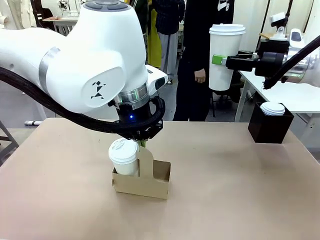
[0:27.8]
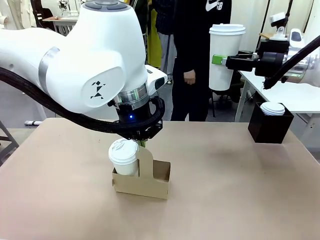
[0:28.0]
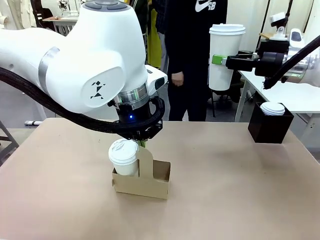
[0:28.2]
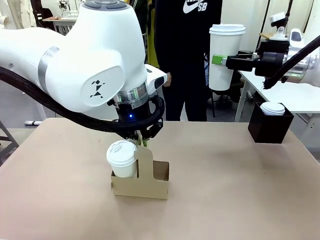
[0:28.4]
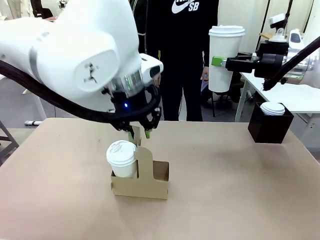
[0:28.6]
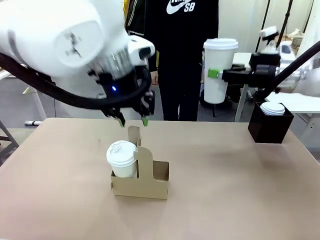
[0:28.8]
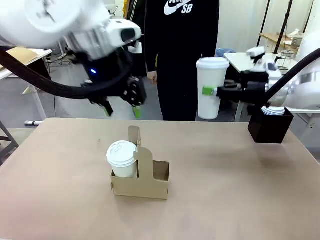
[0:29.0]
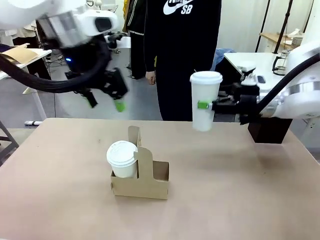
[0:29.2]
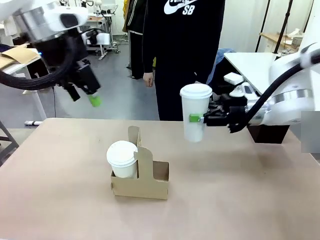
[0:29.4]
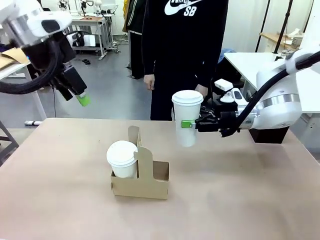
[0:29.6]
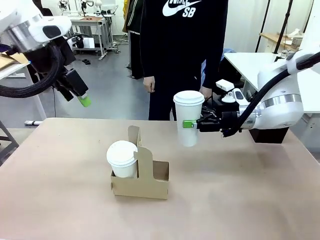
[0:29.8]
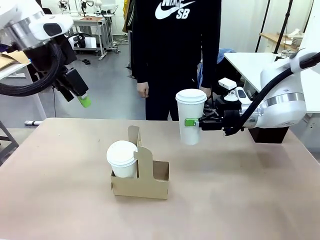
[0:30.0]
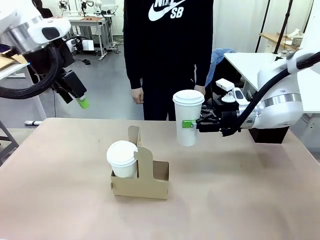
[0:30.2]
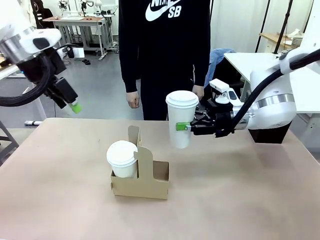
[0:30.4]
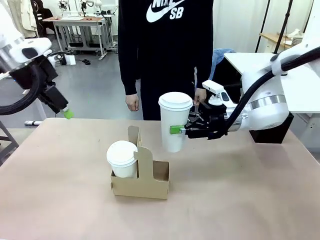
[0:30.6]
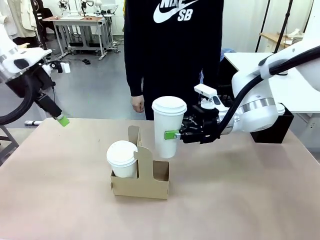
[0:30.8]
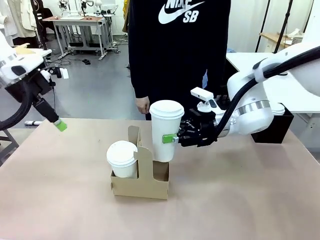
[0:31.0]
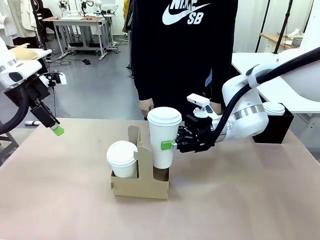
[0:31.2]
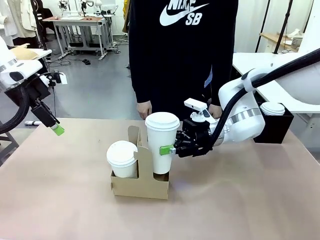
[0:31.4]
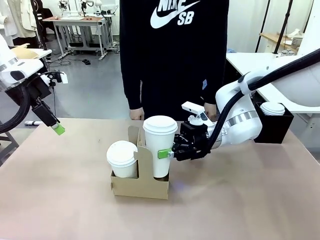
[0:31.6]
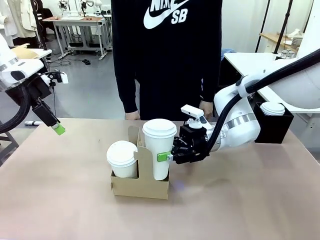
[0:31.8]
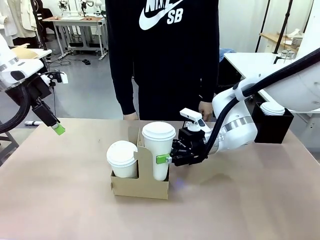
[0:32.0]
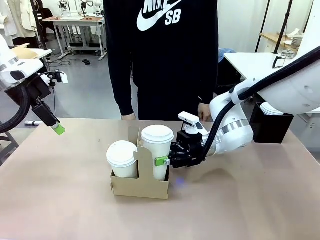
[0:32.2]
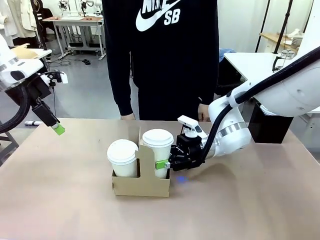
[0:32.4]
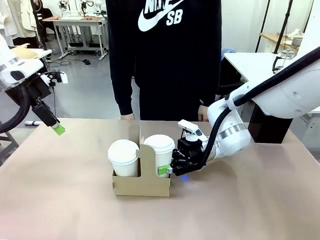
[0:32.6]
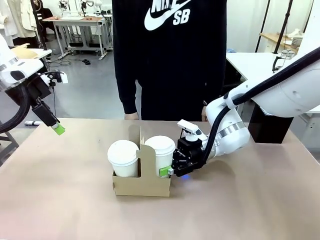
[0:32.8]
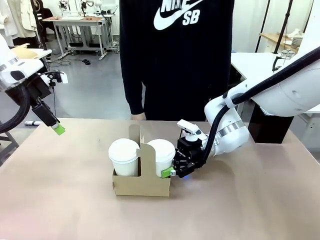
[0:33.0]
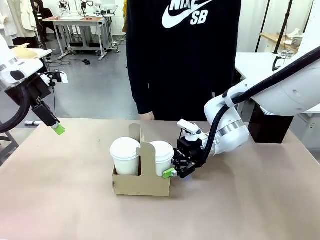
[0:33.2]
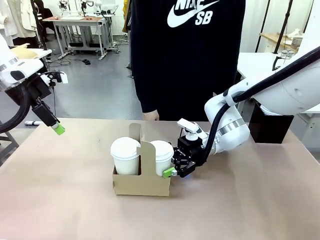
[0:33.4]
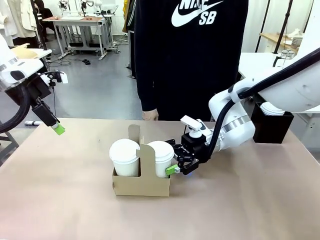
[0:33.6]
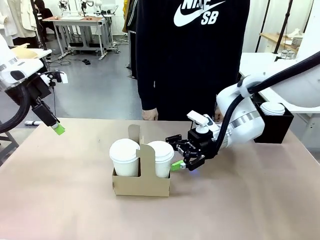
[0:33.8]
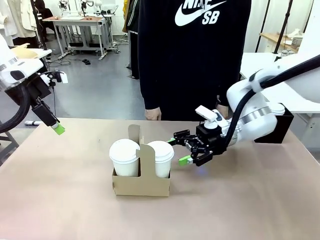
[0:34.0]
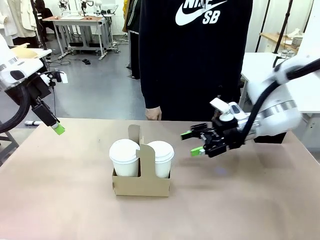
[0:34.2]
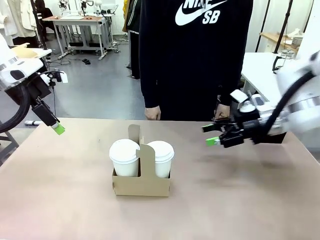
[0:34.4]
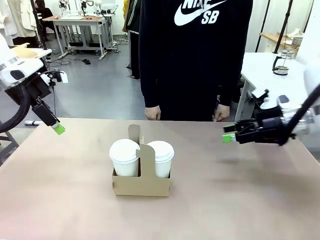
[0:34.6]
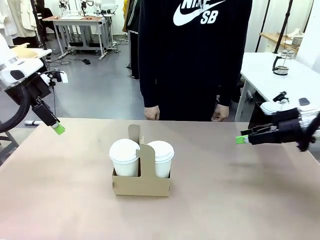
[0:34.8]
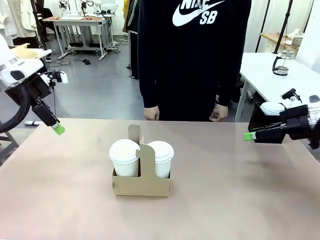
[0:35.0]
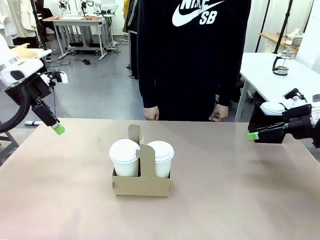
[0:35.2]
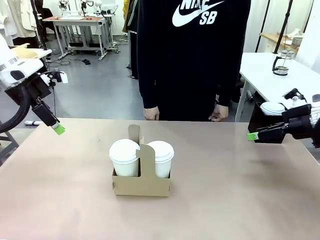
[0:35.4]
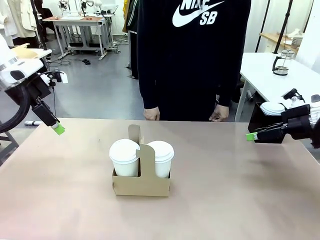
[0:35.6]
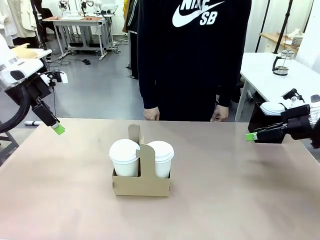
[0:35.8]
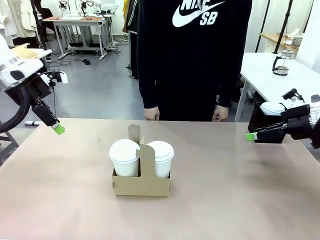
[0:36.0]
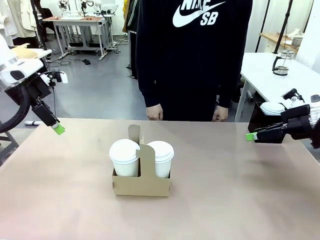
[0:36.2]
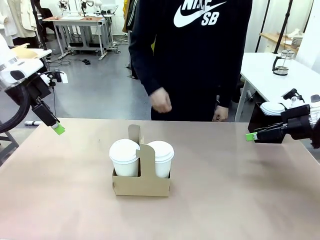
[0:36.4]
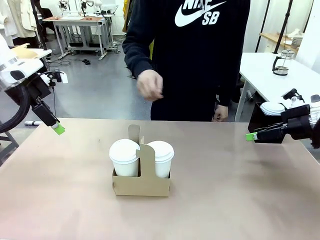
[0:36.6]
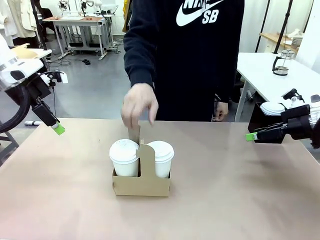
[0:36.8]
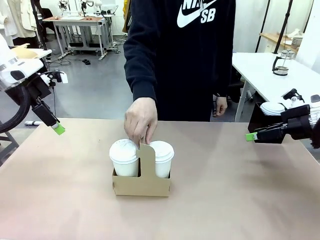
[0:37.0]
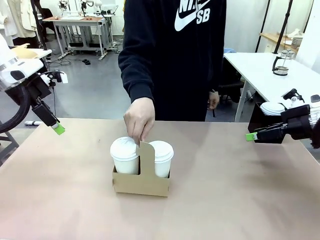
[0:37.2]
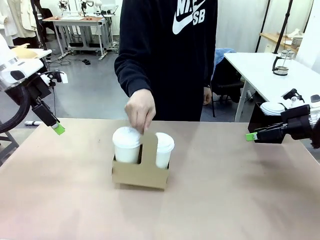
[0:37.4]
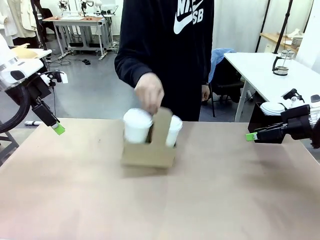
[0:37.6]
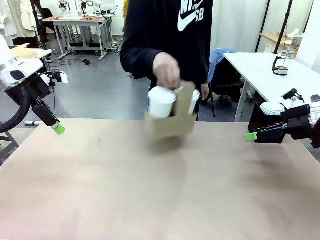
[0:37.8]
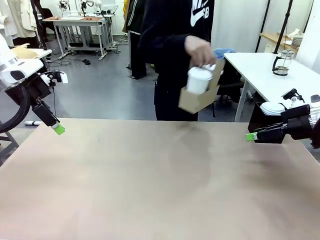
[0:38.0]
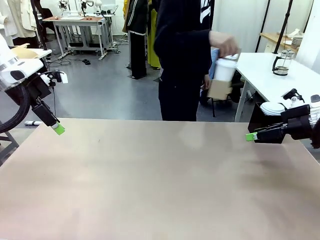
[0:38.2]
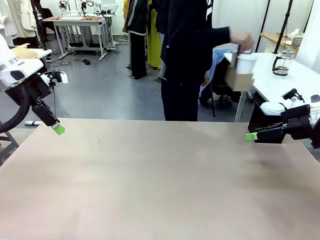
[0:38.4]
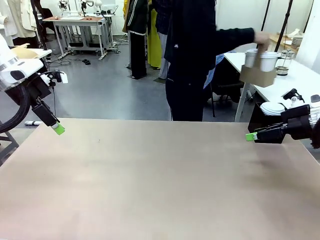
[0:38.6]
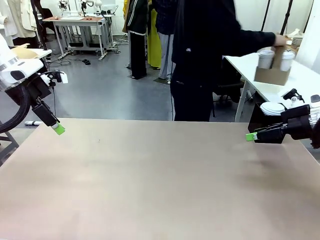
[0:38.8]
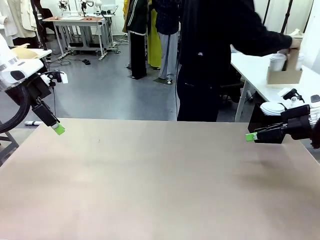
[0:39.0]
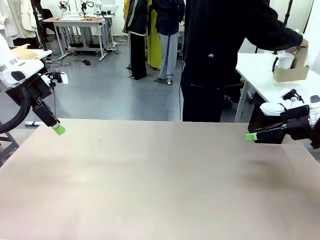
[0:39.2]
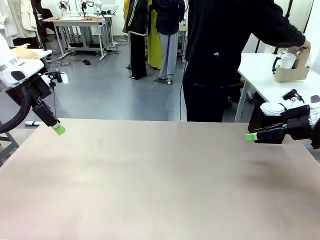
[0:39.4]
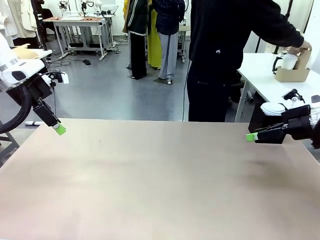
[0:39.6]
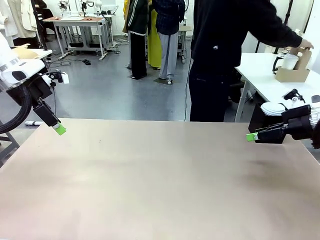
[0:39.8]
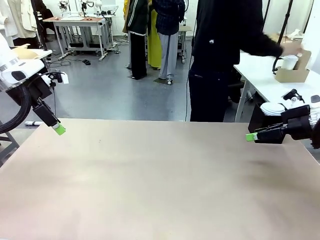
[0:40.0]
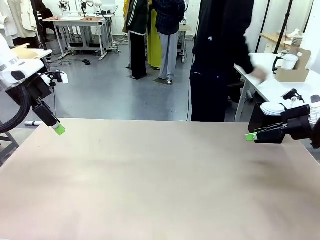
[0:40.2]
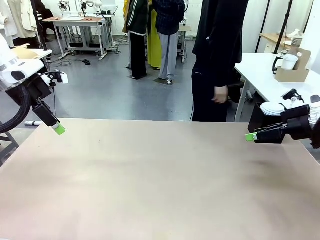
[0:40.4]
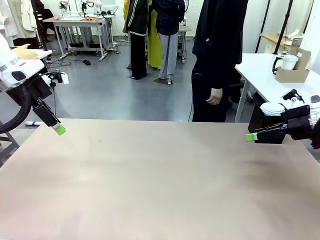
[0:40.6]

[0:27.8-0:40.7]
Task: Pour a drink into a cup and package it in a carrier.
Robot: Insert the held 600 ml Paper Cup into the Cup Carrier.
Person: Place the Cup Carrier to the middle of Human table.

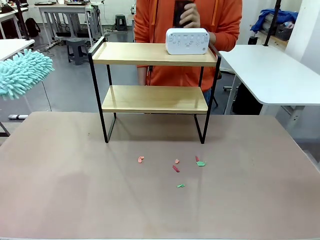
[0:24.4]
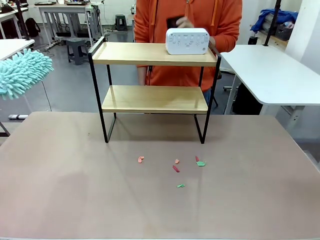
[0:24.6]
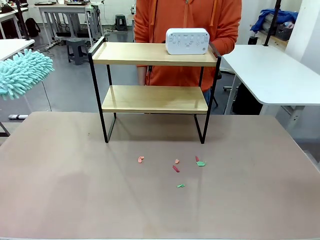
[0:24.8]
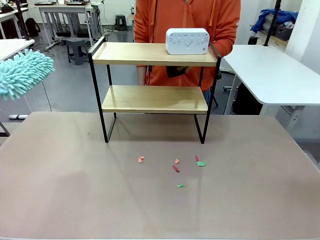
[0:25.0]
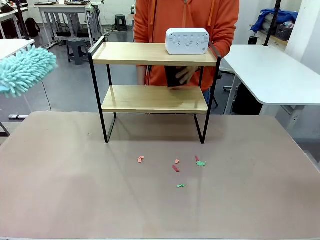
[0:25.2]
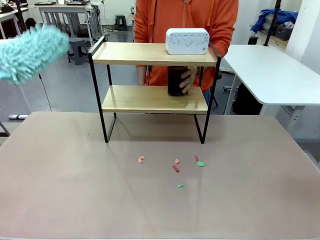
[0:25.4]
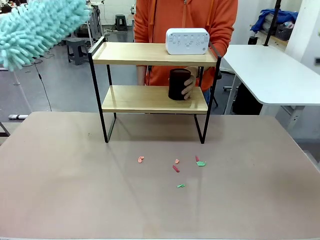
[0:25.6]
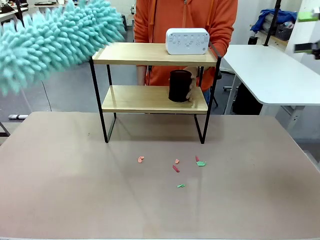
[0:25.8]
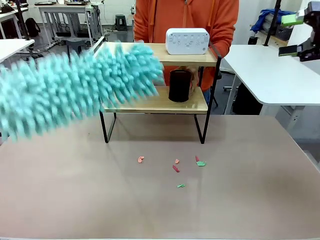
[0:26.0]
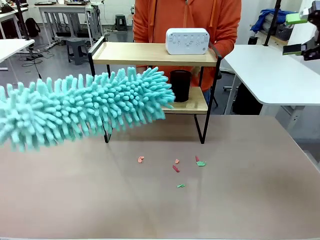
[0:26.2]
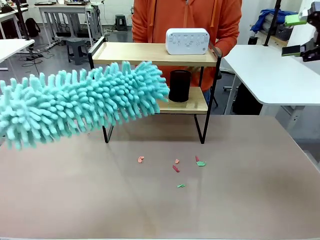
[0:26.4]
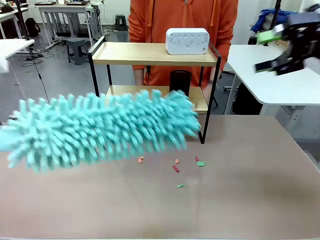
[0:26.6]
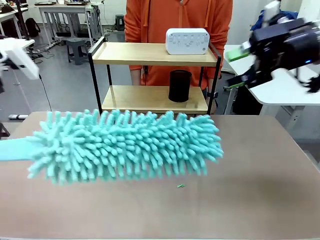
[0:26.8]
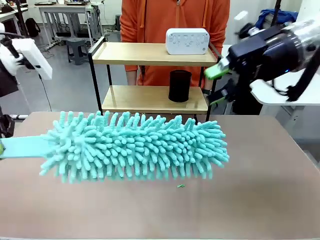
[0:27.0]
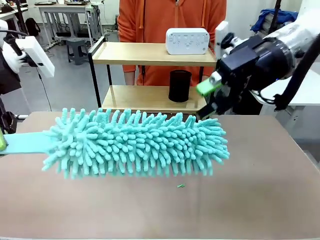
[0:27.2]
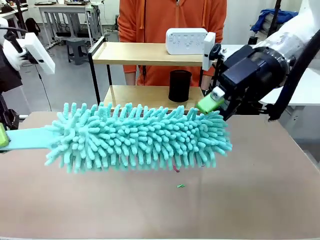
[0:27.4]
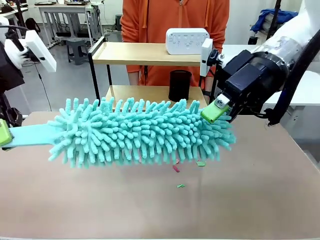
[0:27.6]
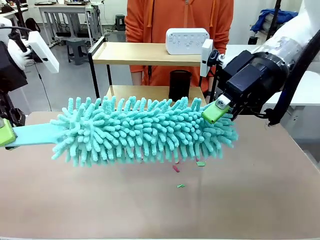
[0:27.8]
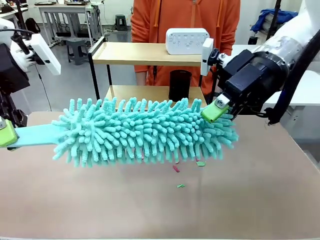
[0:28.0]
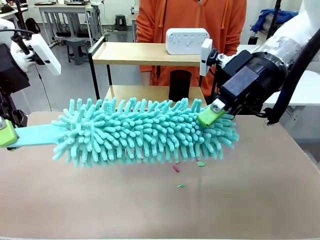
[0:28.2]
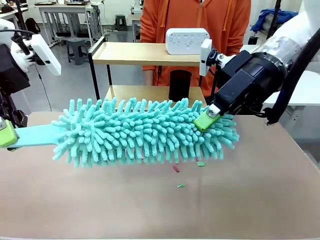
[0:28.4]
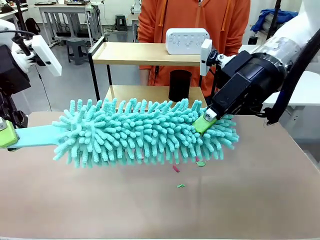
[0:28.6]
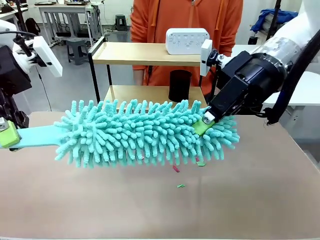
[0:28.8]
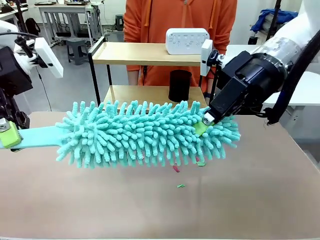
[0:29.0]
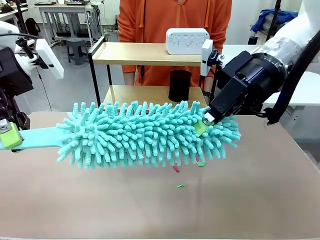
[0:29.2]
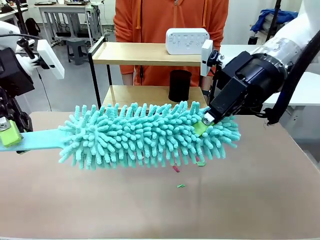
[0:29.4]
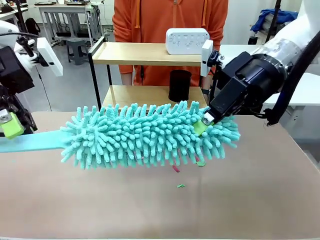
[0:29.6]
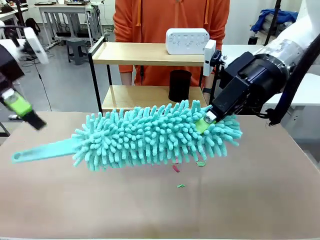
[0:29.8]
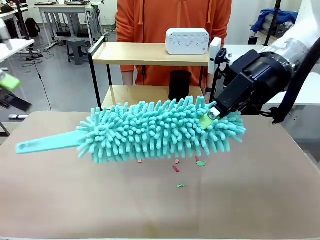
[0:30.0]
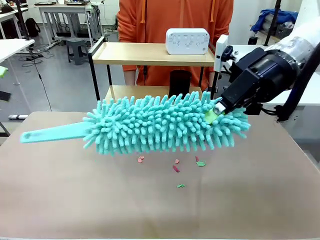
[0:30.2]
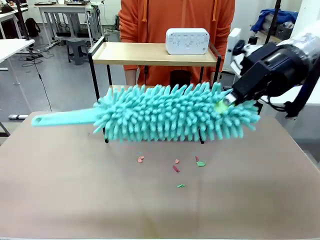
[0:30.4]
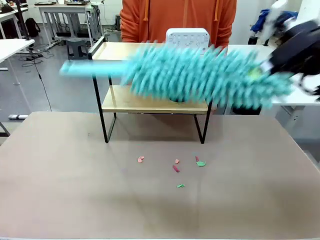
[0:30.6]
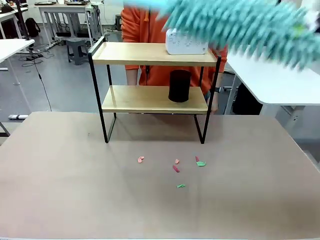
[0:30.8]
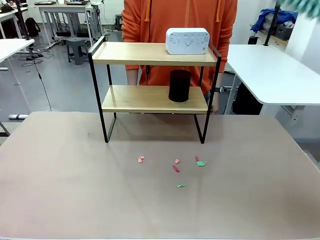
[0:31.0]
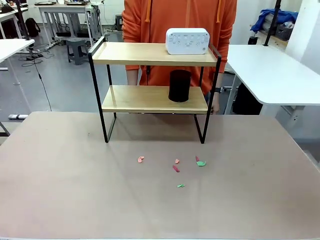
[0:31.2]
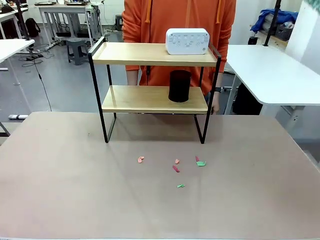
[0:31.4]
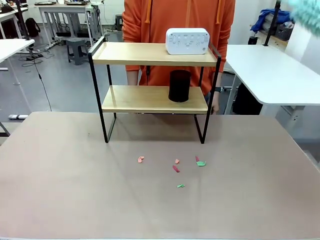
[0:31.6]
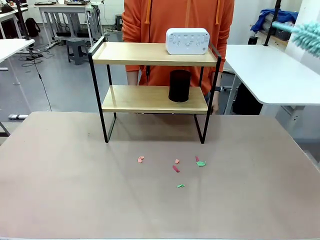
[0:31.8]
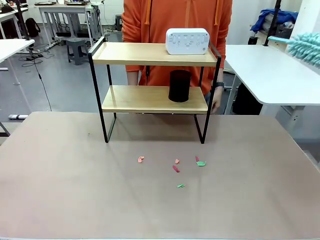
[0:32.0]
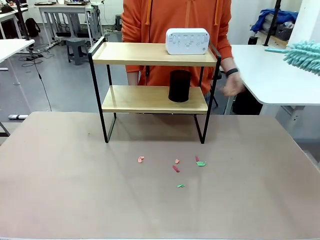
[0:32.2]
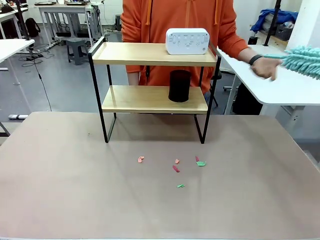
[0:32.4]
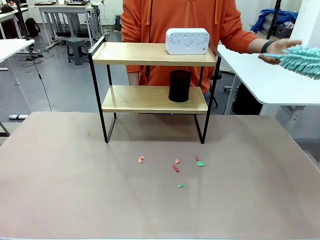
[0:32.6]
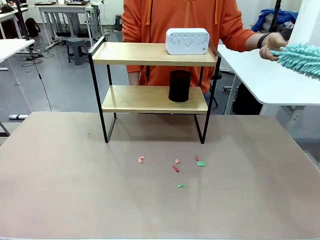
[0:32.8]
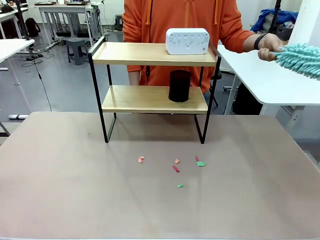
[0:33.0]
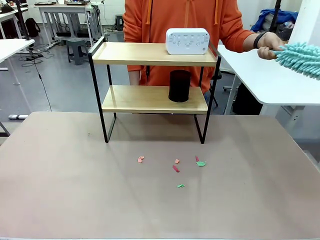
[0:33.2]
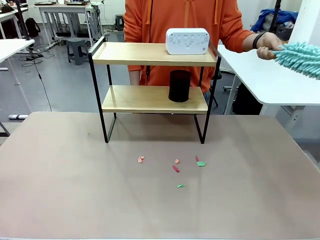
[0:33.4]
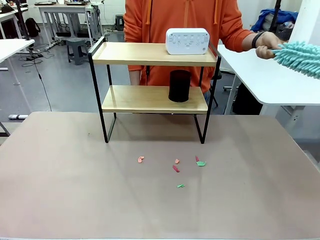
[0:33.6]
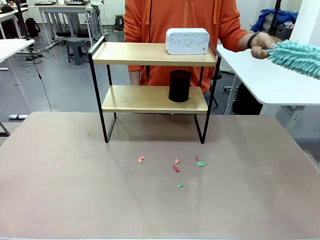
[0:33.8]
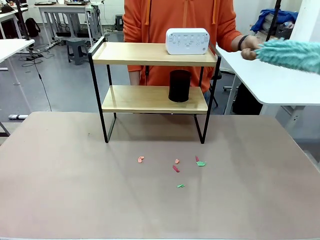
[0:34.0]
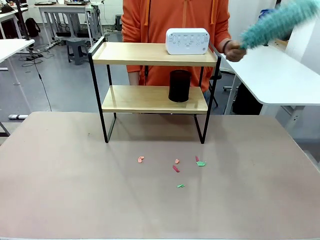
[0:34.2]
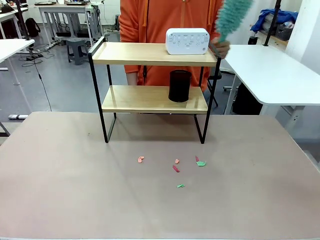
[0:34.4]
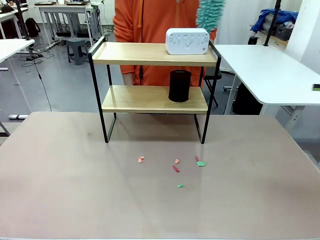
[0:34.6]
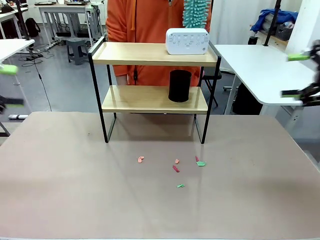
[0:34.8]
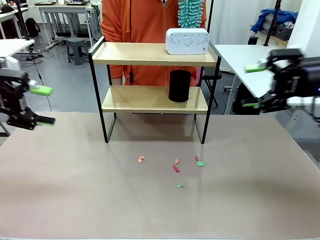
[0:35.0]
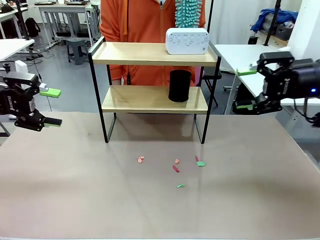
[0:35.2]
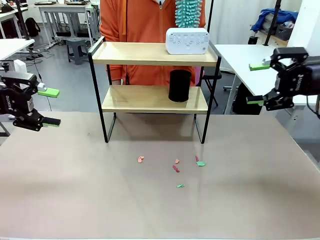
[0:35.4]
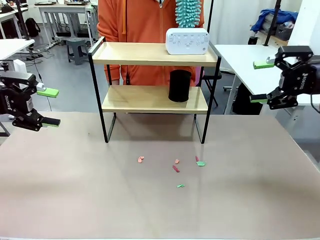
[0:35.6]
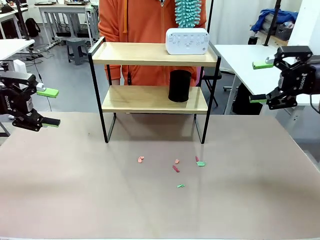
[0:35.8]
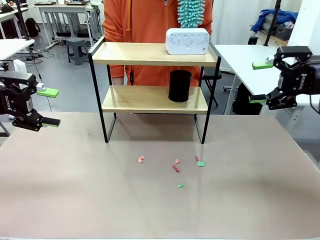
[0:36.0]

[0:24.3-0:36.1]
Task: Clean the shelf.
Robot: Hand the Duster back to the human.
Person: Receive the Duster from the robot.
